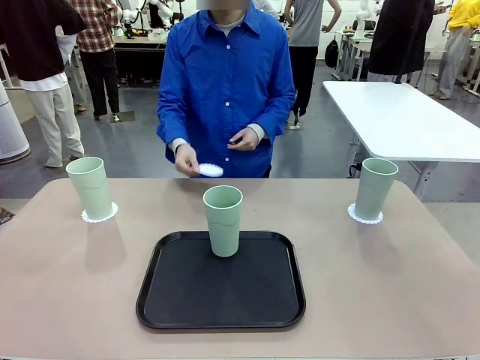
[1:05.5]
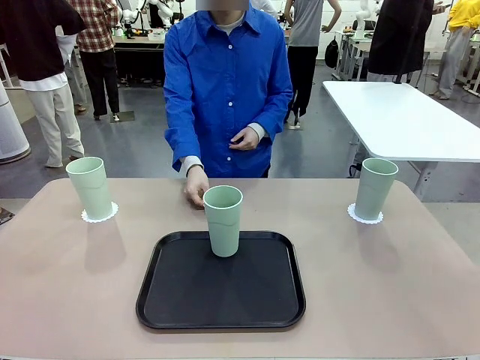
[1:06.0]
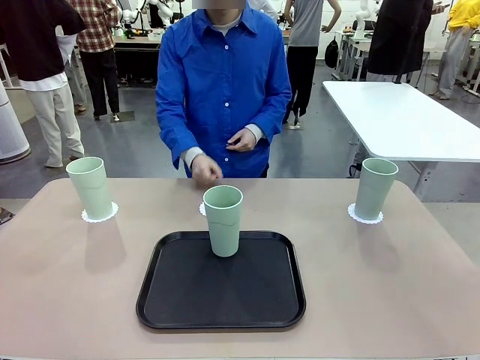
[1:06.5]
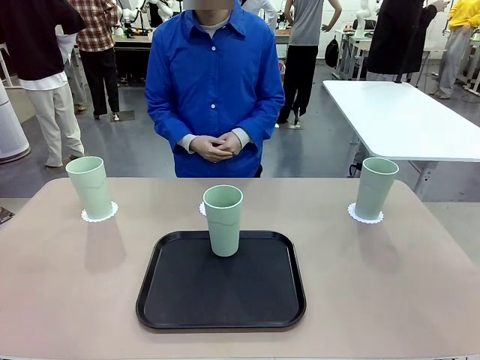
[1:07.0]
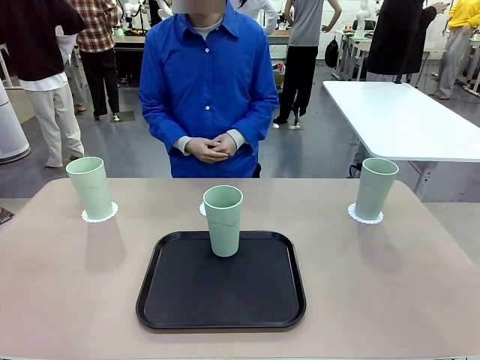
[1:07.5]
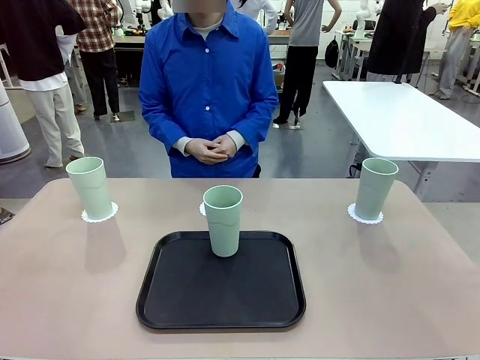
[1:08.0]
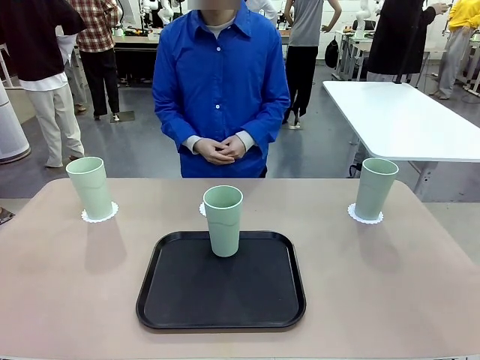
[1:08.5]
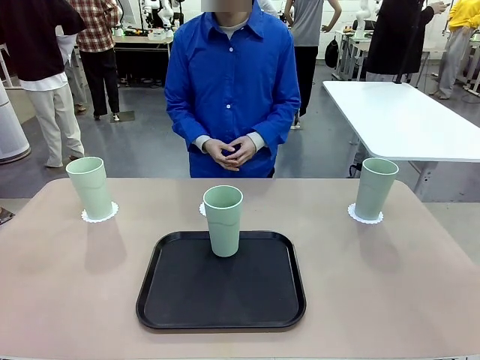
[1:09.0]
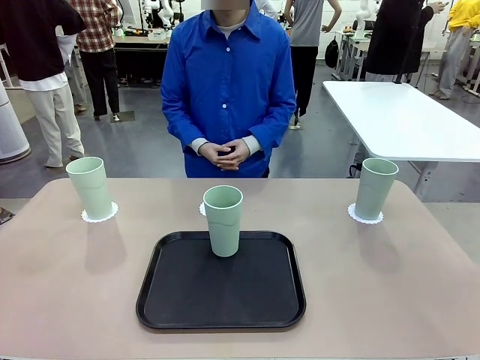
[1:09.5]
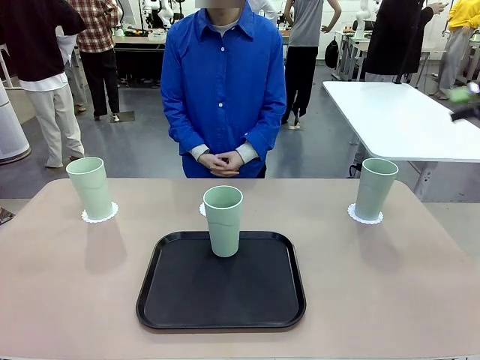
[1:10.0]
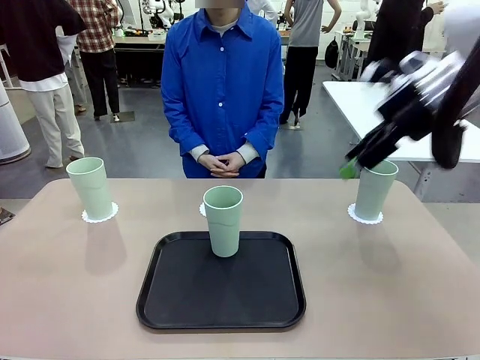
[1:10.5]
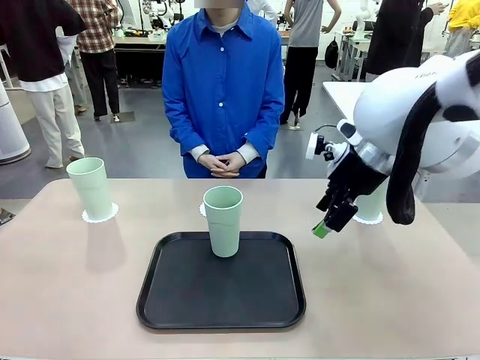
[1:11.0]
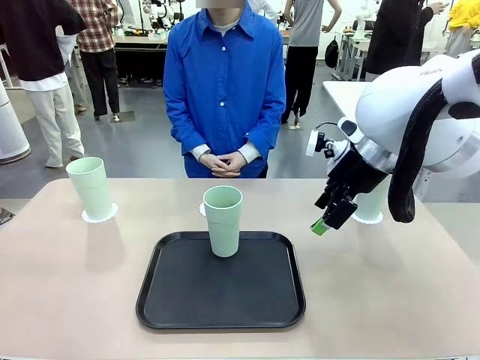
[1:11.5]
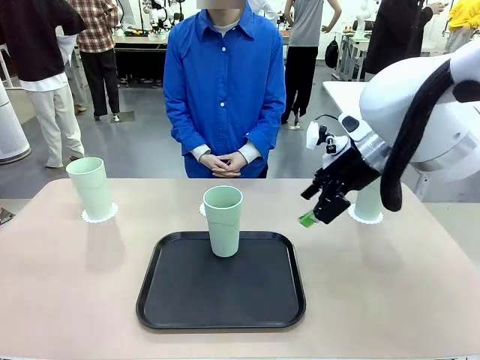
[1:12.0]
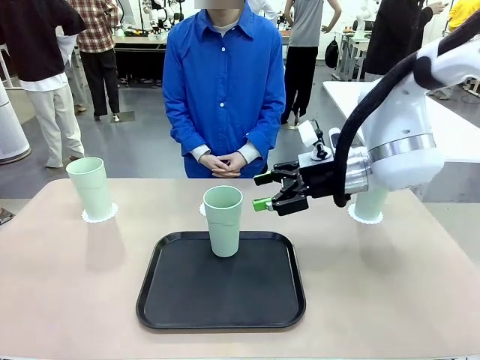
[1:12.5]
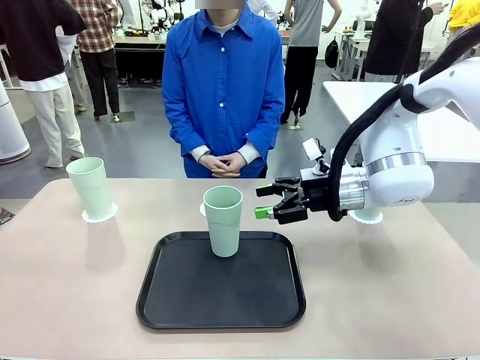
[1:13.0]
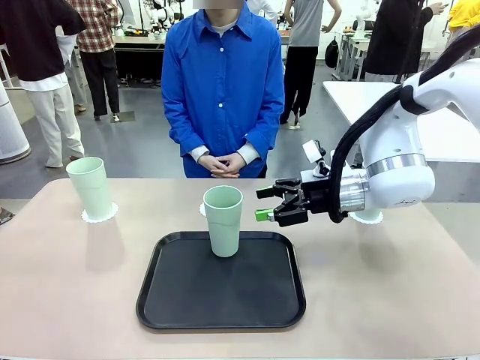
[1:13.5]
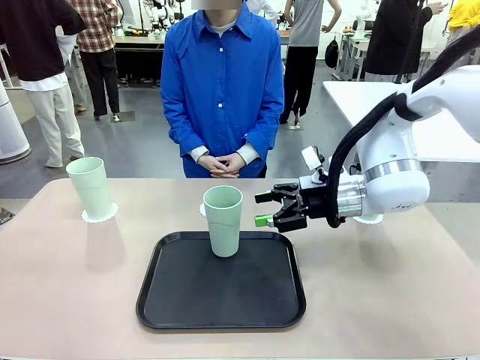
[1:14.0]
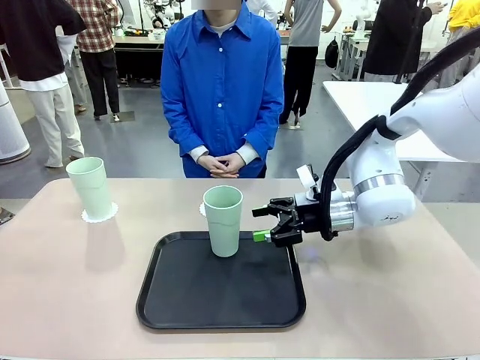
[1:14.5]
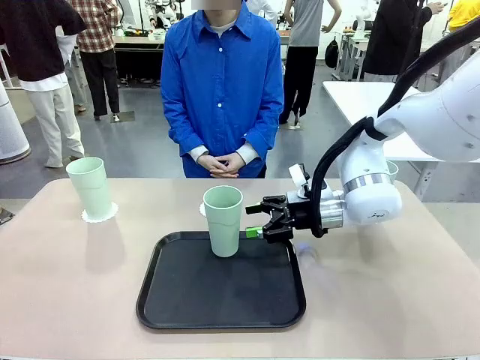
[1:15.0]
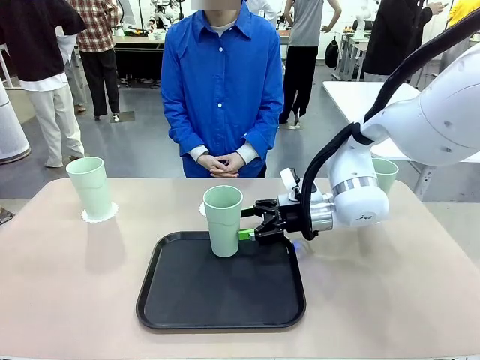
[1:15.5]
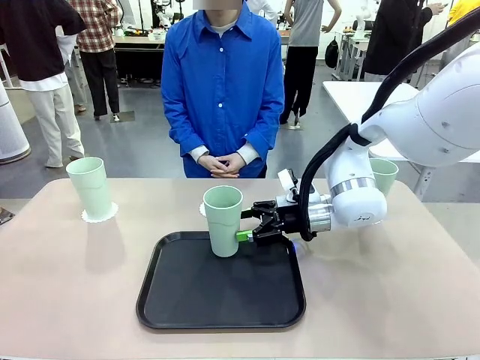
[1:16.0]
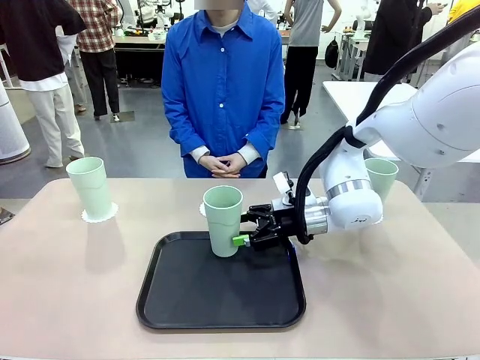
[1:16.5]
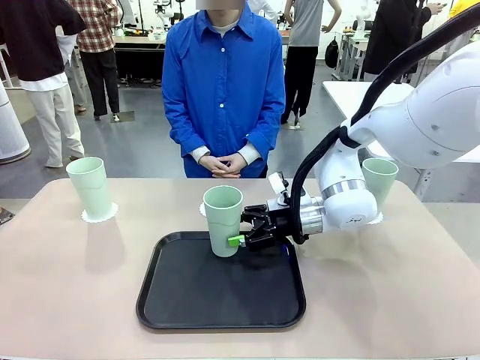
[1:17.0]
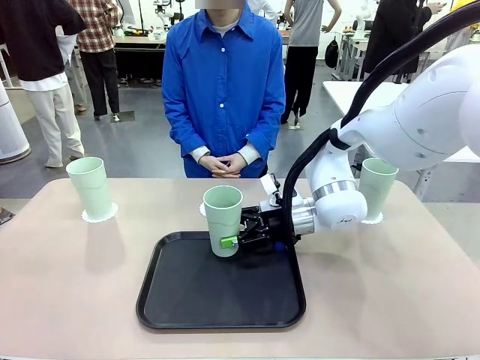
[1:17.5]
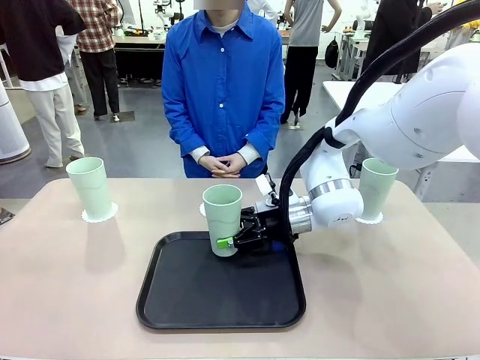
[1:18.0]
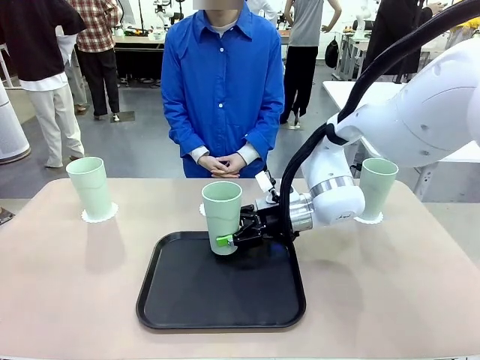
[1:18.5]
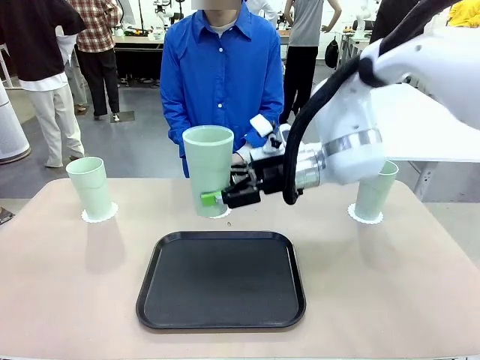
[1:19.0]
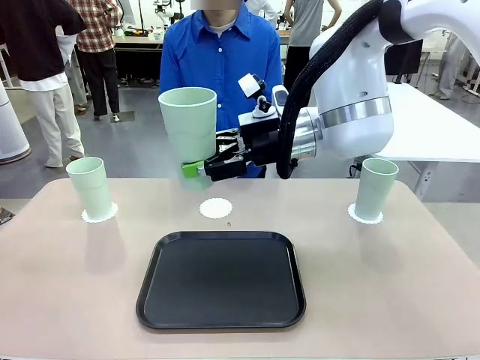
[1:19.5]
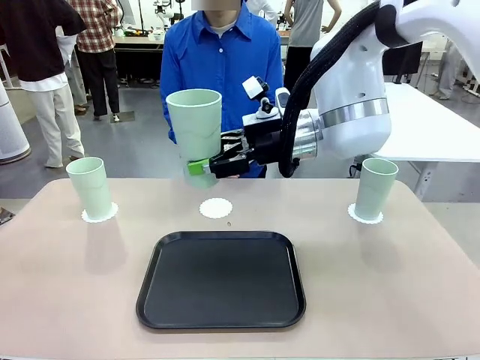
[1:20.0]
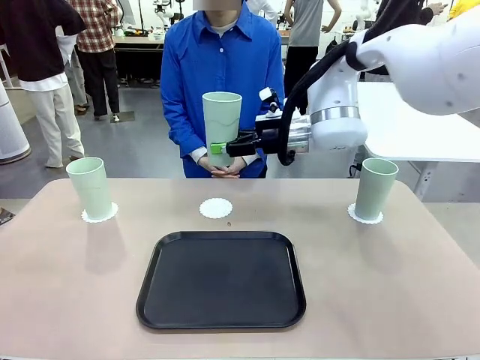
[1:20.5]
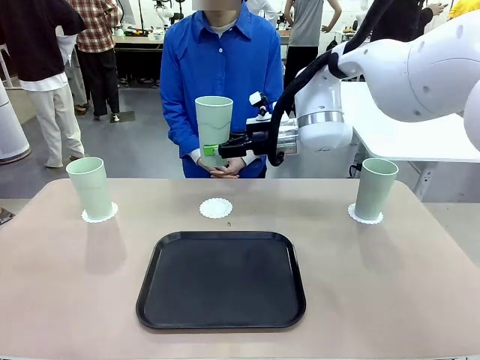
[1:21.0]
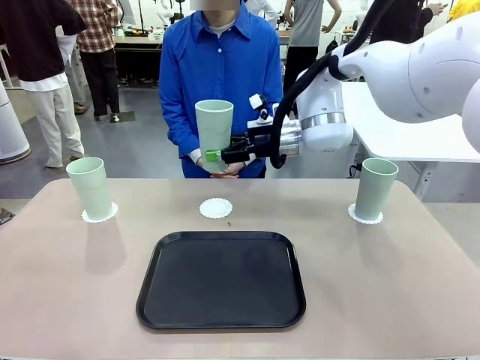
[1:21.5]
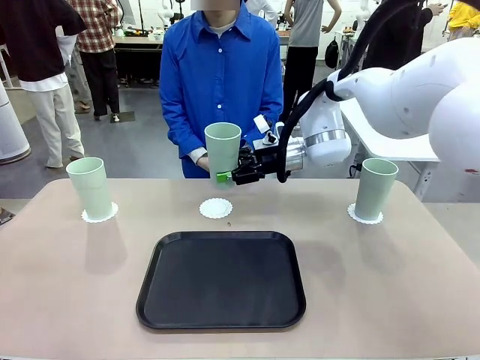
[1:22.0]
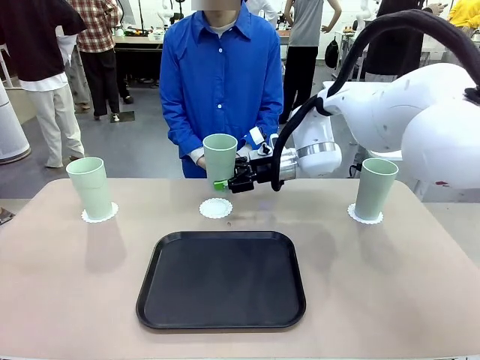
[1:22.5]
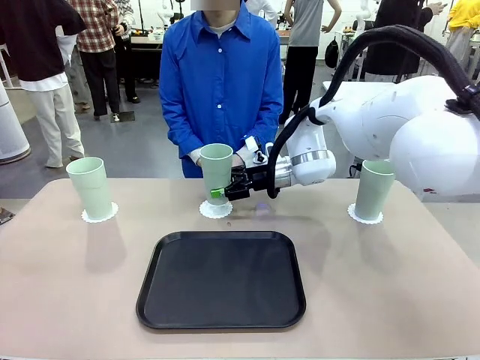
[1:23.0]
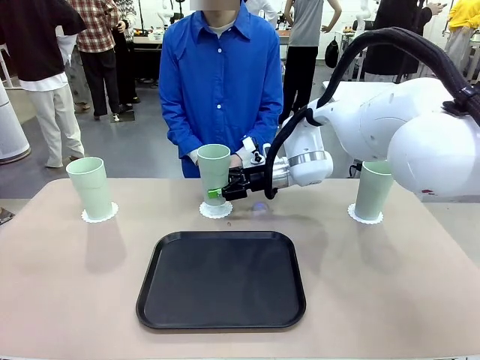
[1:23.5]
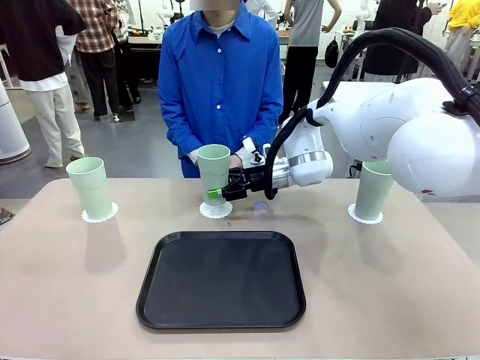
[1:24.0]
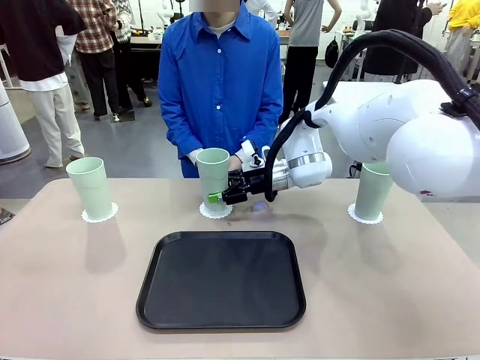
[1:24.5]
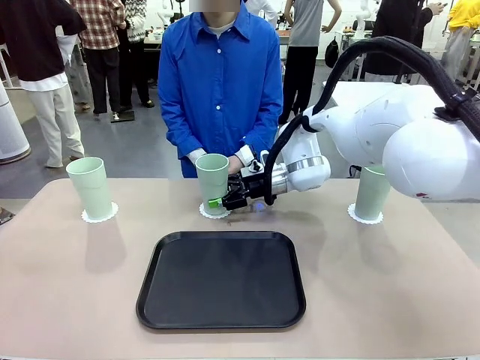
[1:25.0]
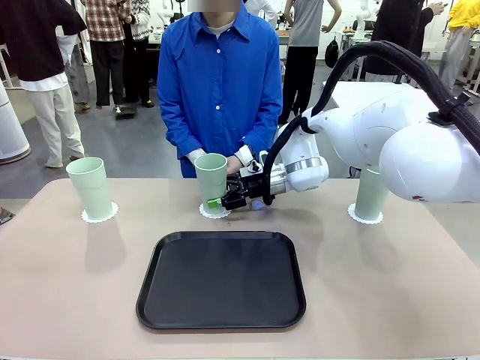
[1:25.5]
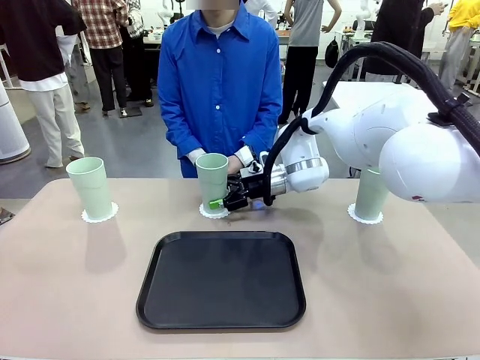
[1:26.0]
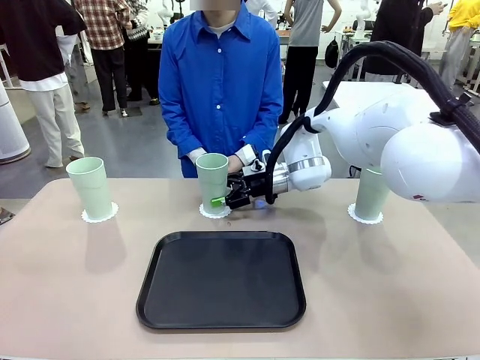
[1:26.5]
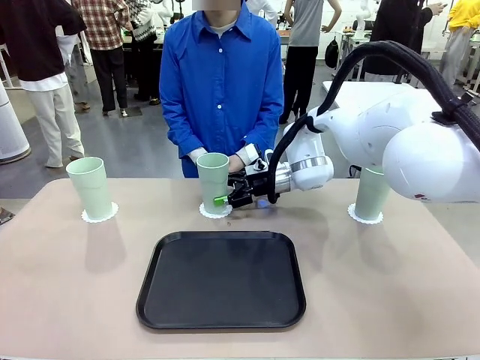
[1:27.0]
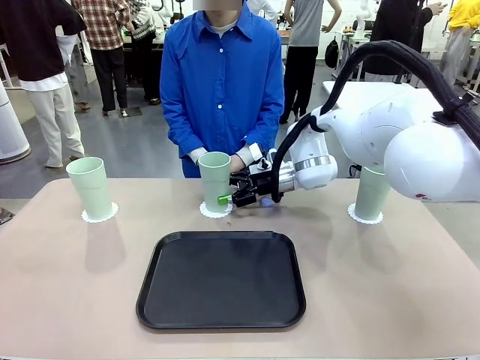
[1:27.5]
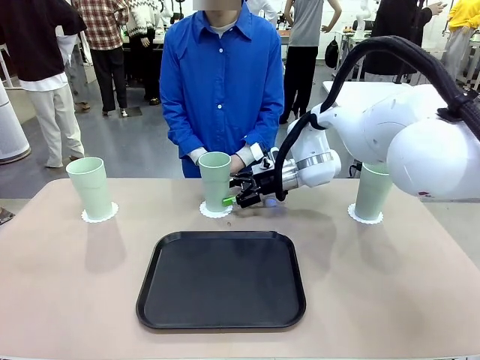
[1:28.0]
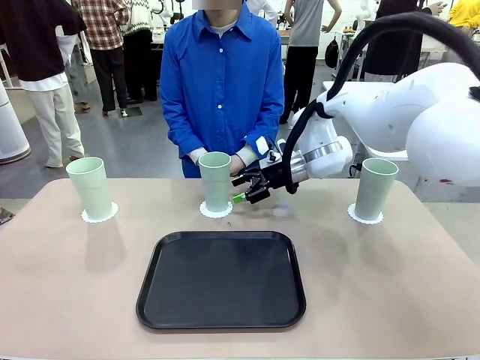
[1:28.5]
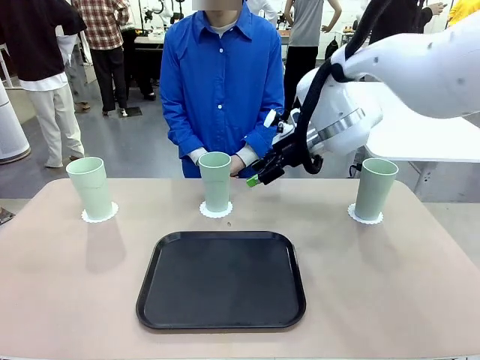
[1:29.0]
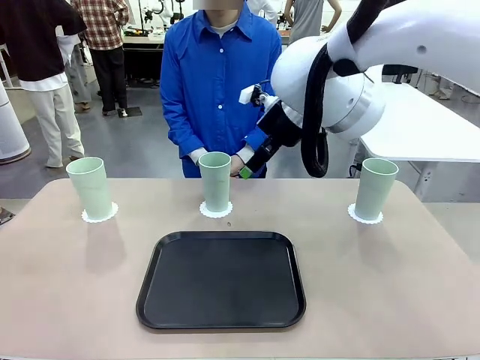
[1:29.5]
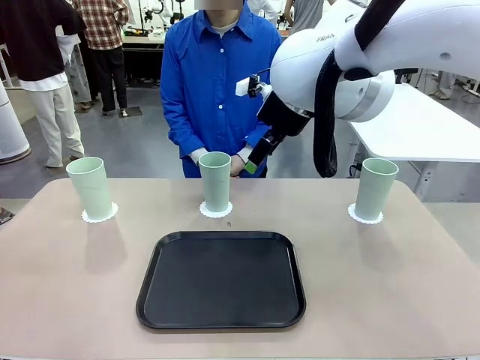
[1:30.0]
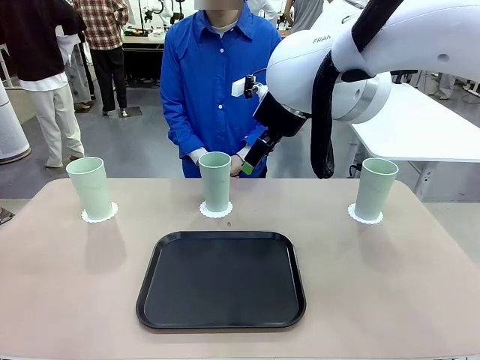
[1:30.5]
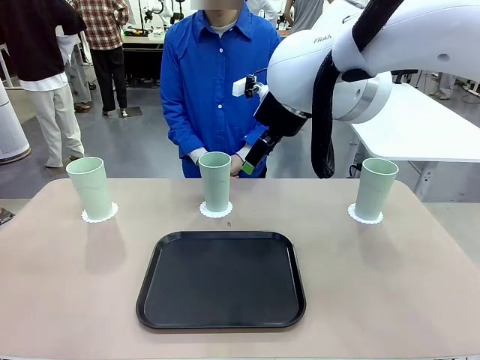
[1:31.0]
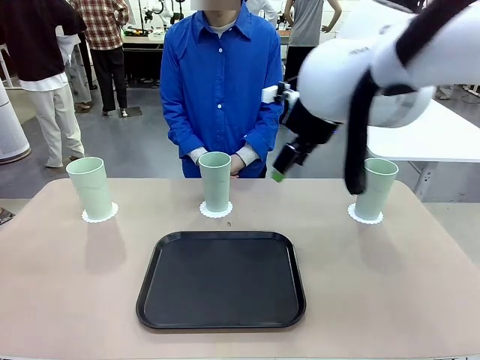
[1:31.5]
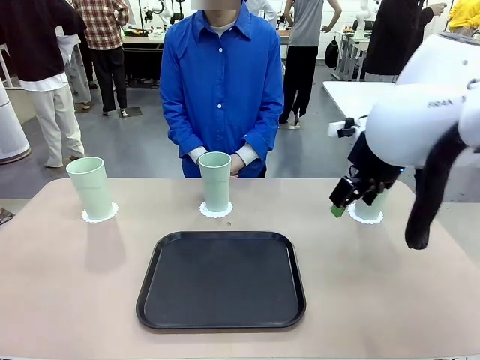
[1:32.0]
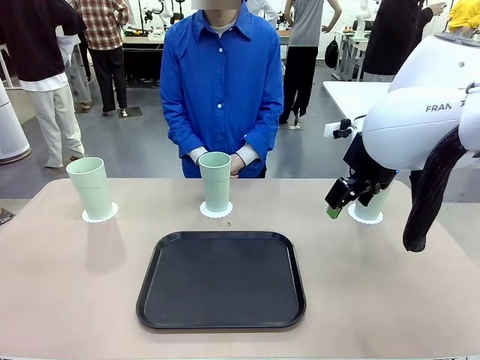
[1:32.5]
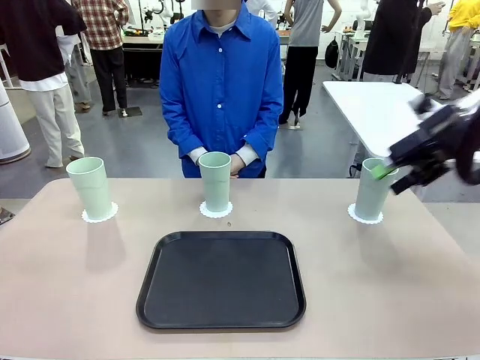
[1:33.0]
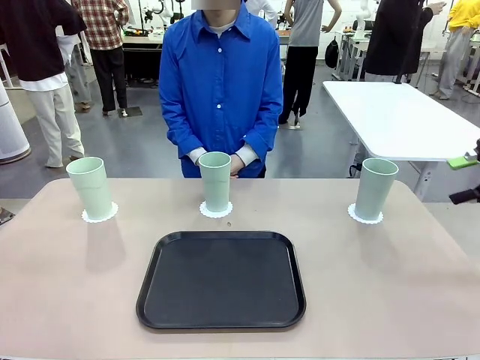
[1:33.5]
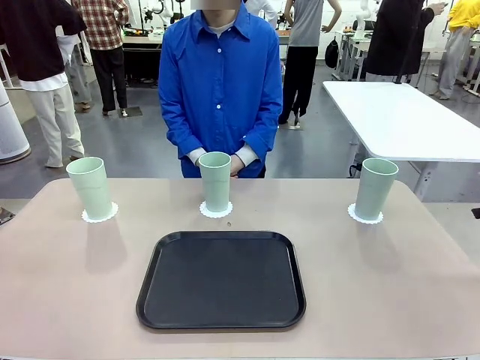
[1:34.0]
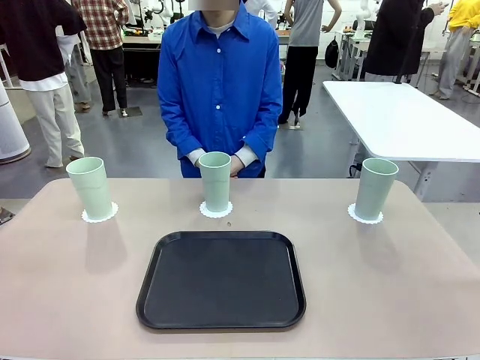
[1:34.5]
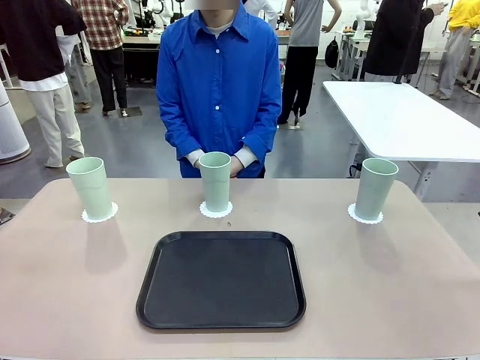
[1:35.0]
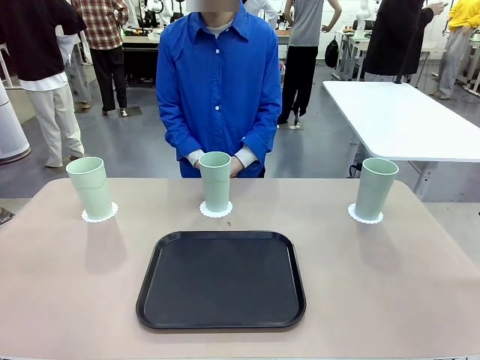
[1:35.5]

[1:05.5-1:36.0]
Task: Place coasters on the table and set cups on them.
Robot: Take one Reusable plastic cup from the Flat Tray and place it on a coaster set by the human.
Person: Place one coaster in the only remaining area.
